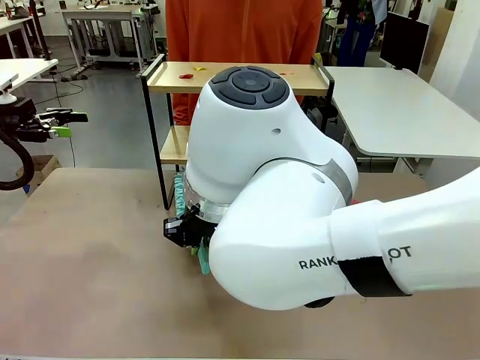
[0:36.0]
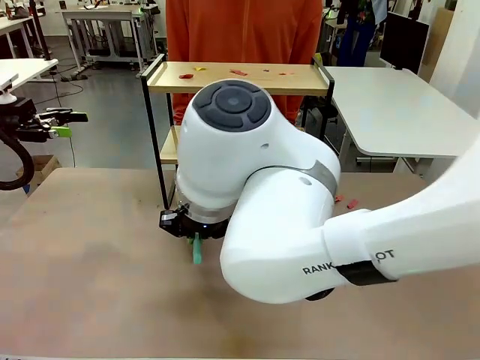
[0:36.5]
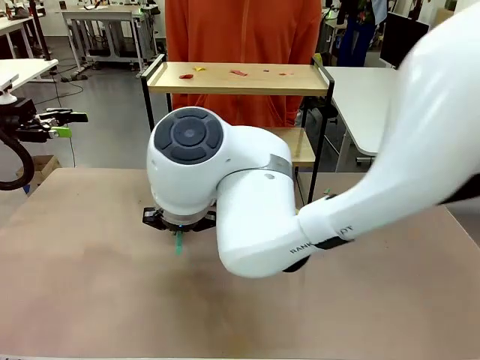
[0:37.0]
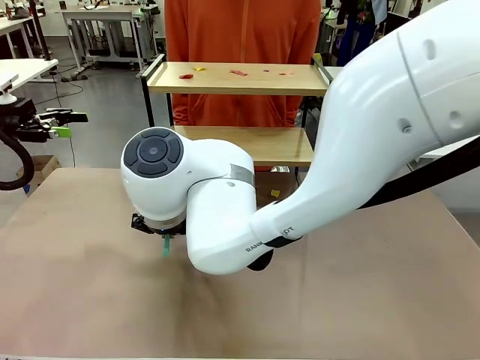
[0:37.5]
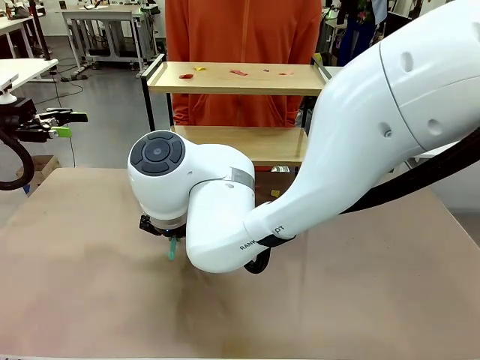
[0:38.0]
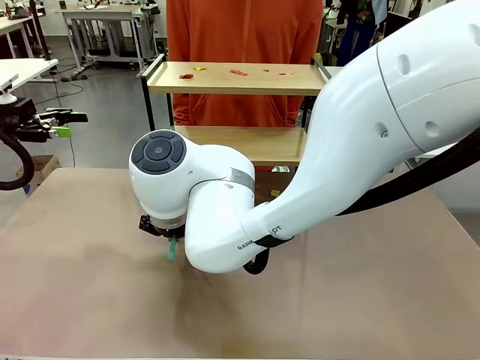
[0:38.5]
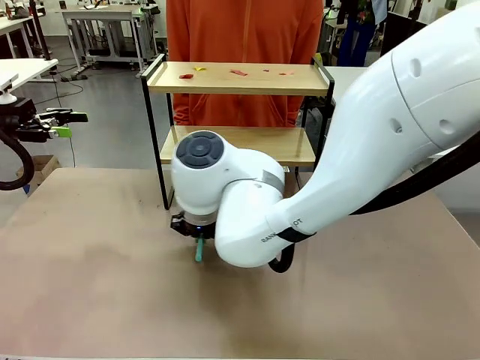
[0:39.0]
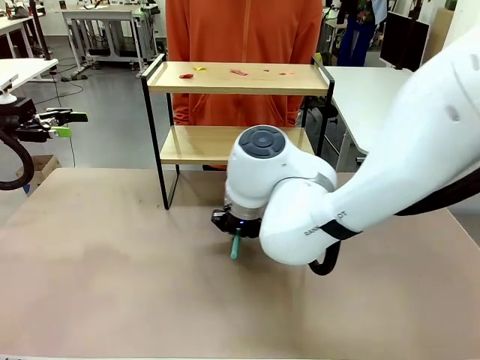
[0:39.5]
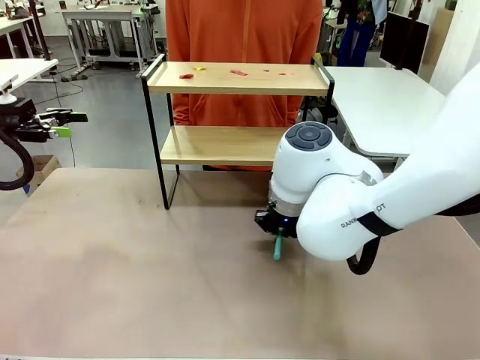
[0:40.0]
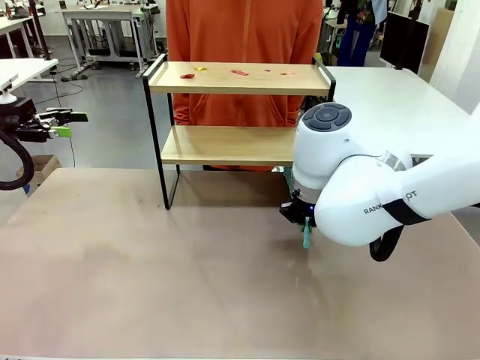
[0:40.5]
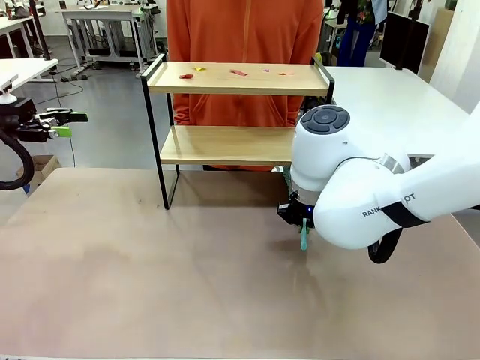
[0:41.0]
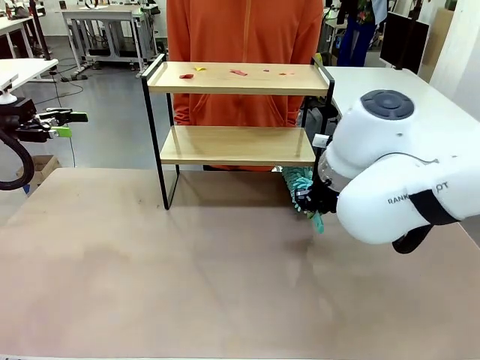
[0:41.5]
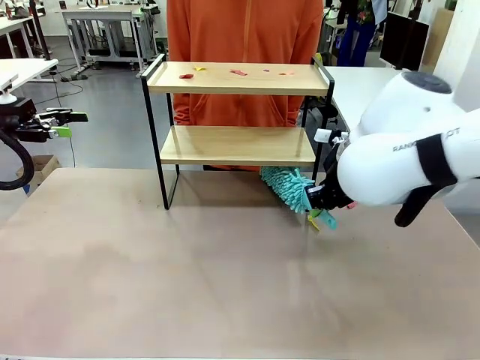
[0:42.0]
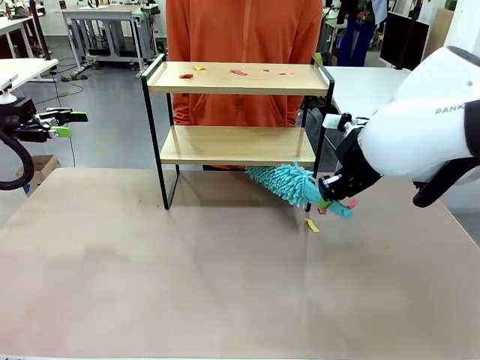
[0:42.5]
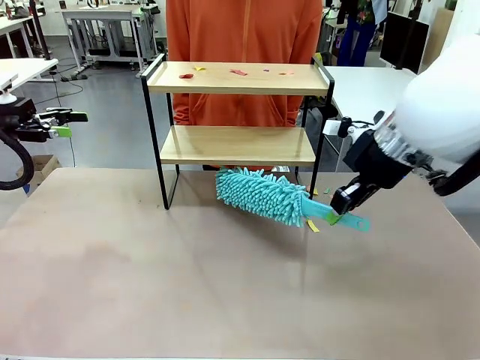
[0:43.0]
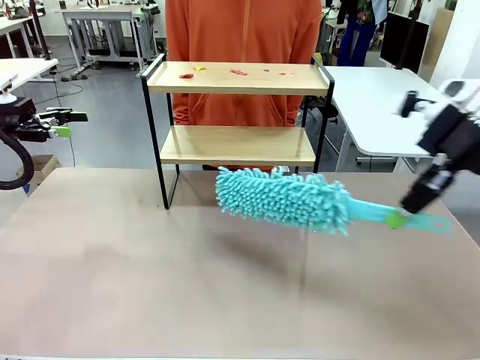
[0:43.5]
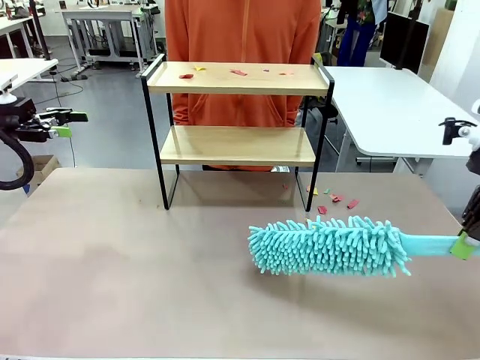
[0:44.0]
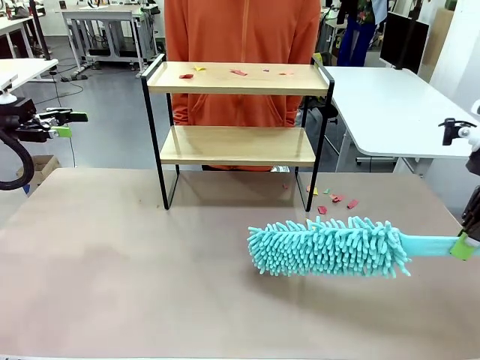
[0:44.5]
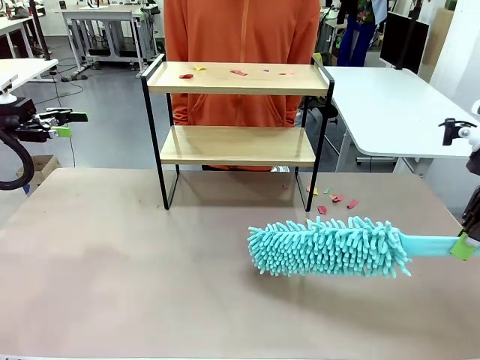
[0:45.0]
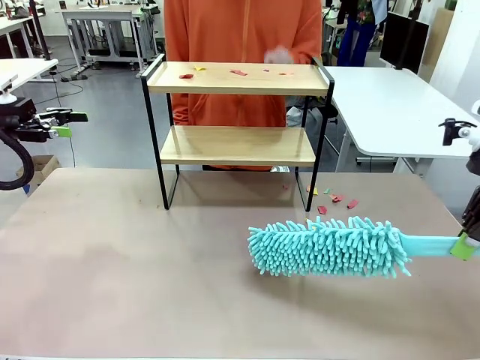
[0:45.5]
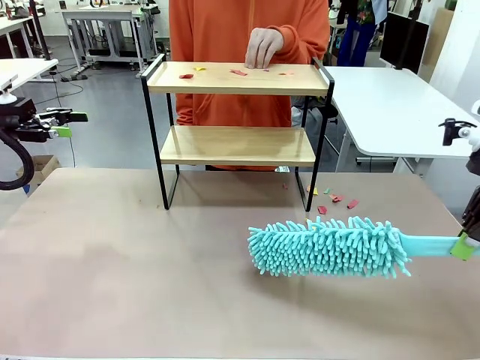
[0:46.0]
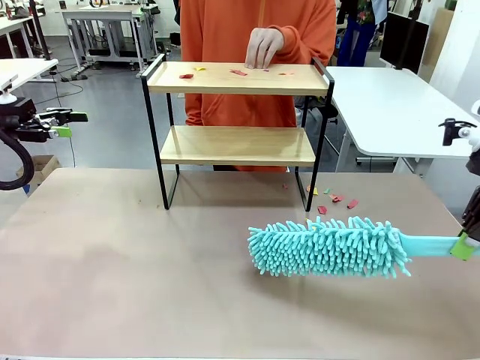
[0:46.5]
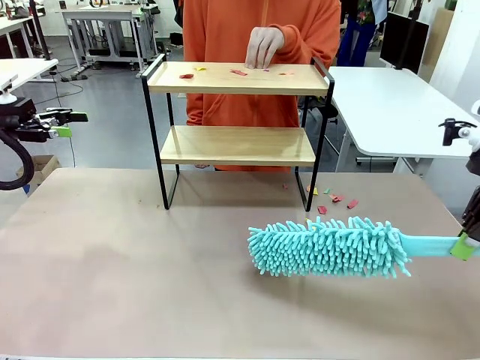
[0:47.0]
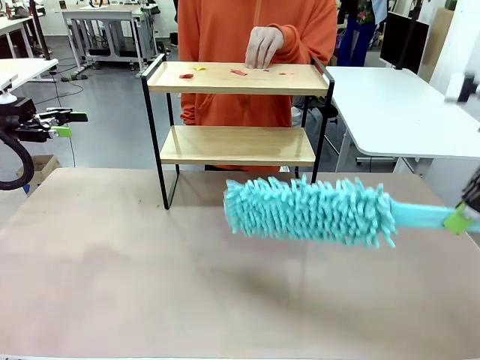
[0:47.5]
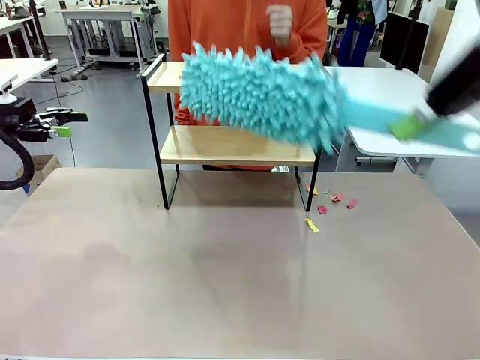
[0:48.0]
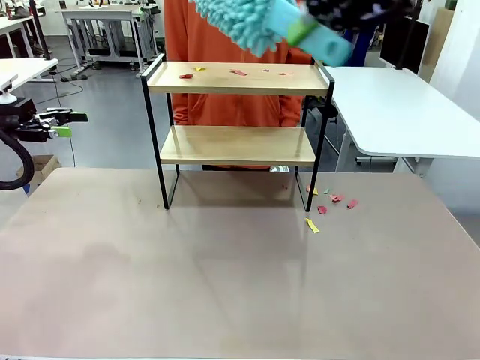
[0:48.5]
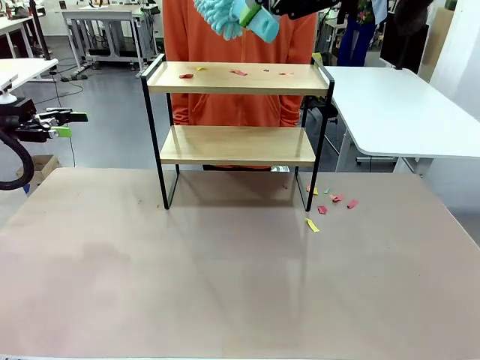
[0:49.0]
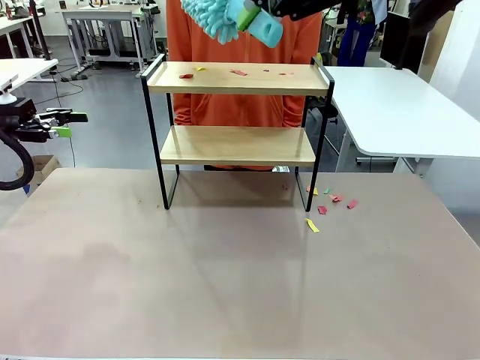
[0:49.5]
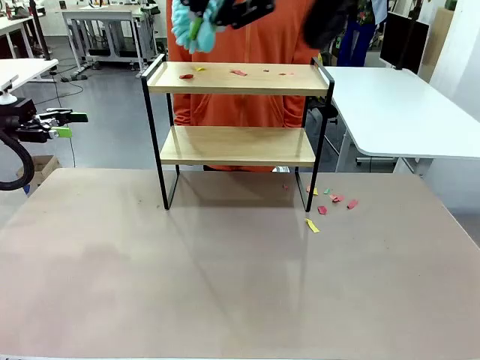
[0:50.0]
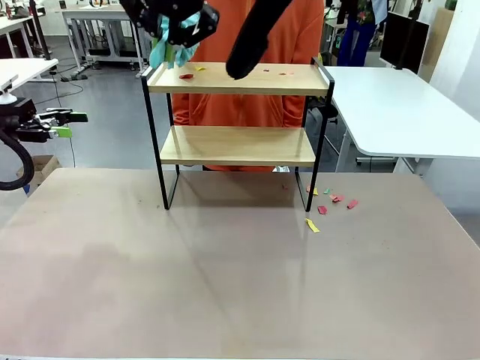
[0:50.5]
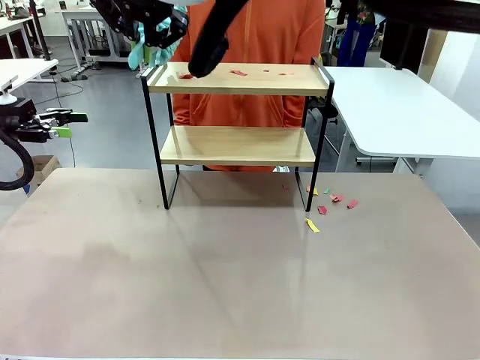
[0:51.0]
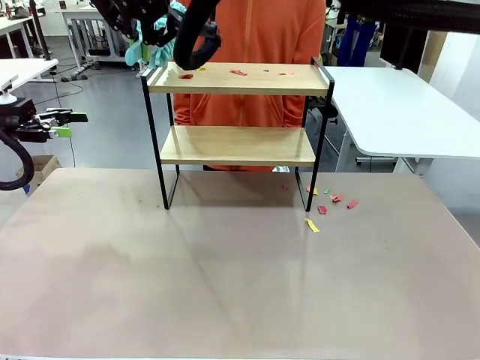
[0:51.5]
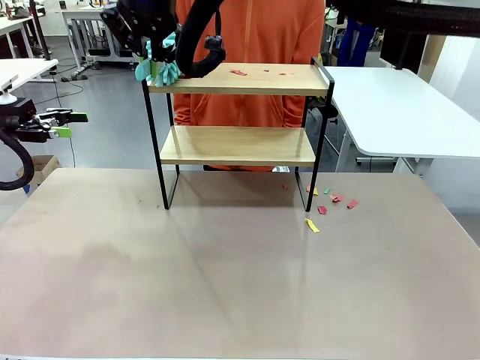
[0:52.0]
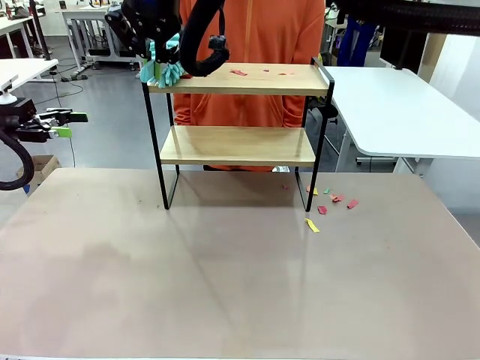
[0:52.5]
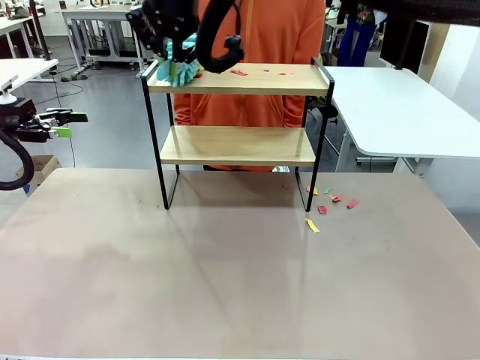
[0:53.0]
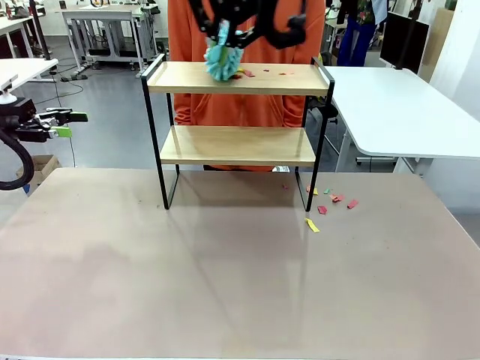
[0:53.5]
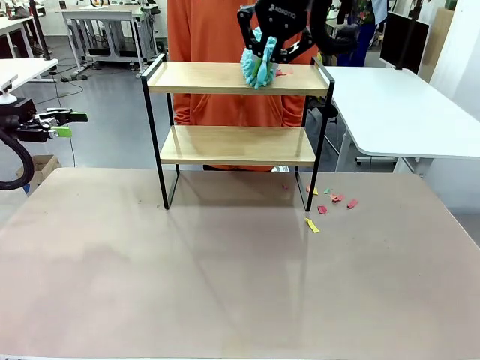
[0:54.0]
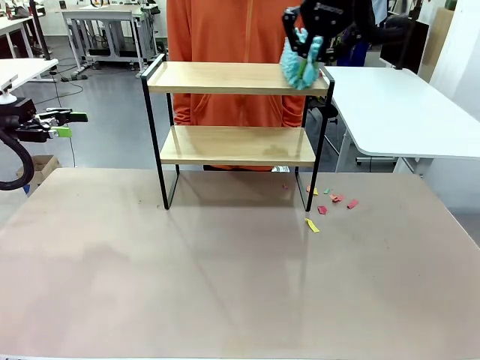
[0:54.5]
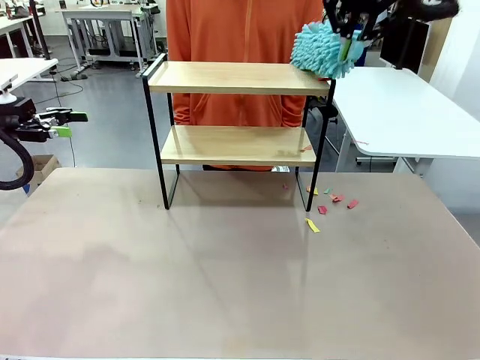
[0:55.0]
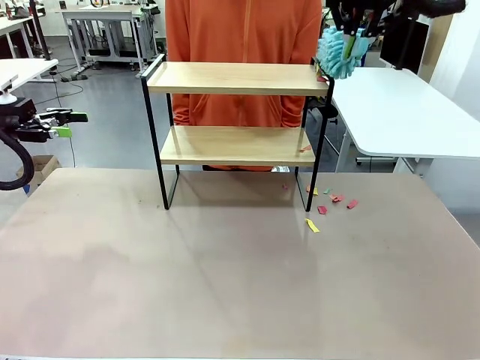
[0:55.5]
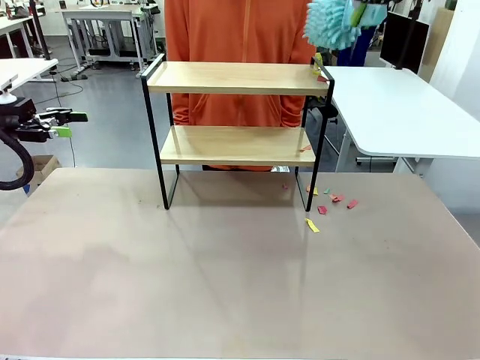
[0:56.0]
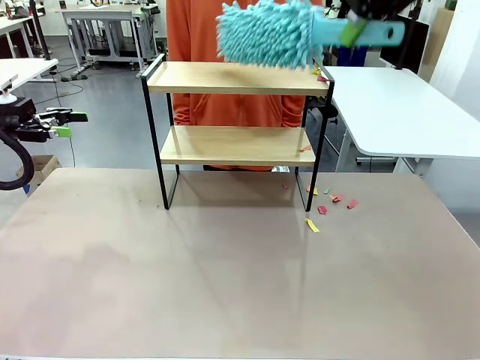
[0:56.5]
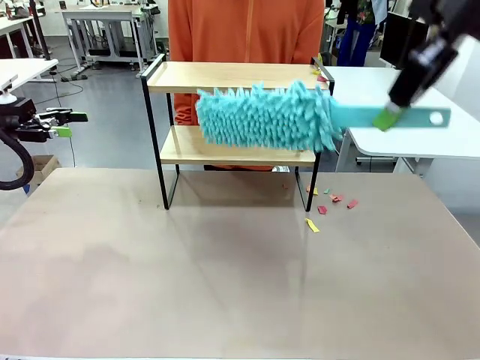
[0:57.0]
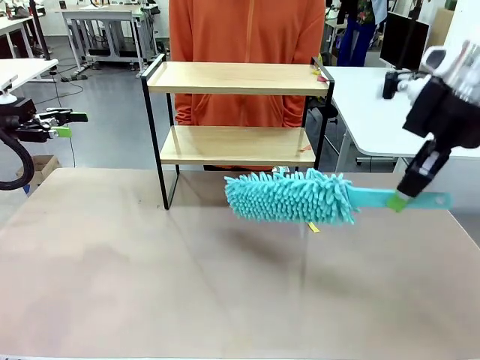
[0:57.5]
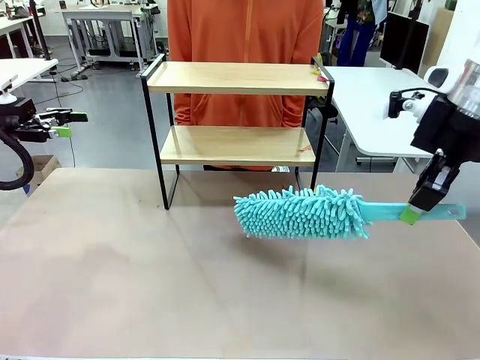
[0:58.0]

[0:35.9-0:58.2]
Task: Clean the shelf.
Robot: Clean the specific section of the Shelf indicated by the human with the Duster.
Person: Point a remaining section of the Shelf.

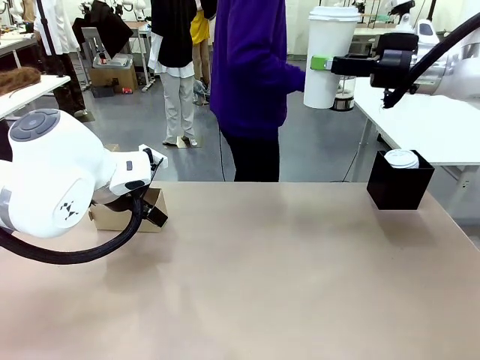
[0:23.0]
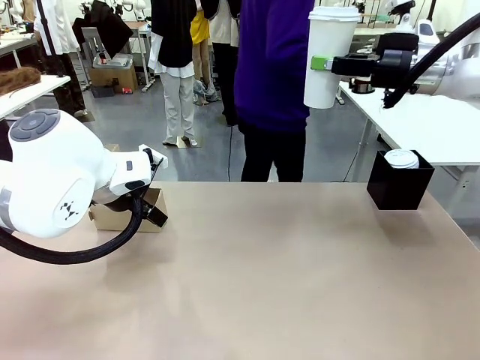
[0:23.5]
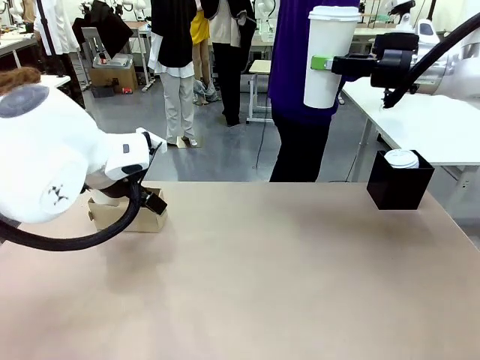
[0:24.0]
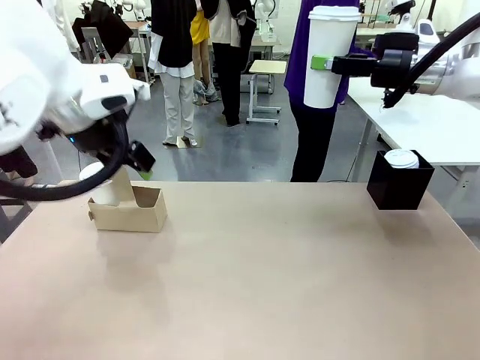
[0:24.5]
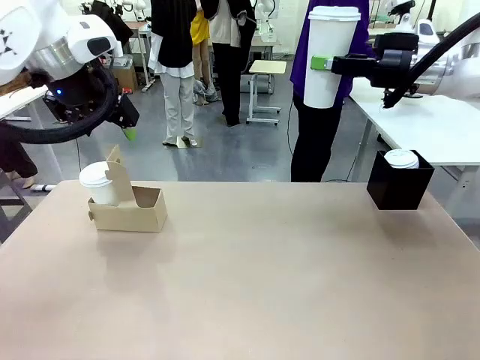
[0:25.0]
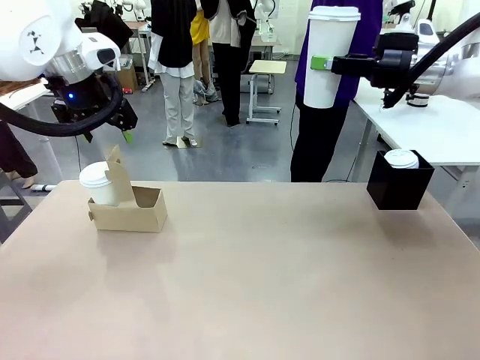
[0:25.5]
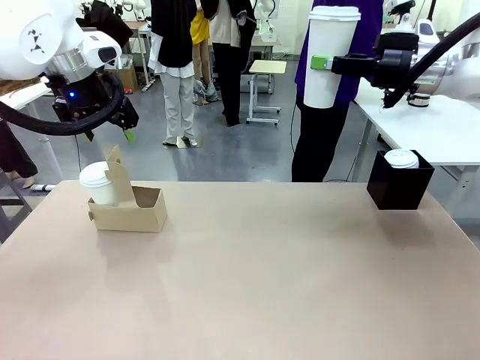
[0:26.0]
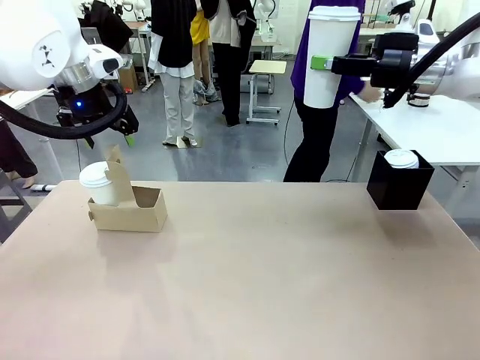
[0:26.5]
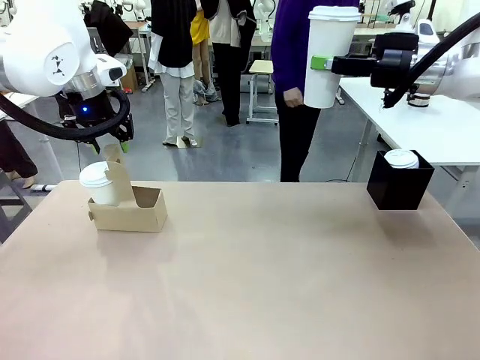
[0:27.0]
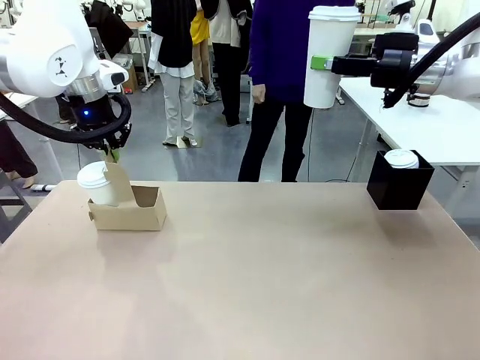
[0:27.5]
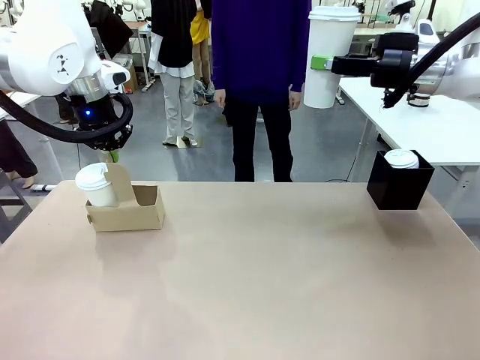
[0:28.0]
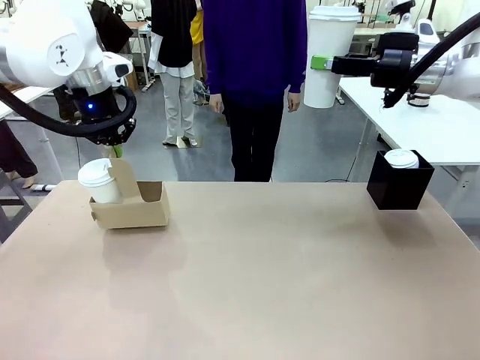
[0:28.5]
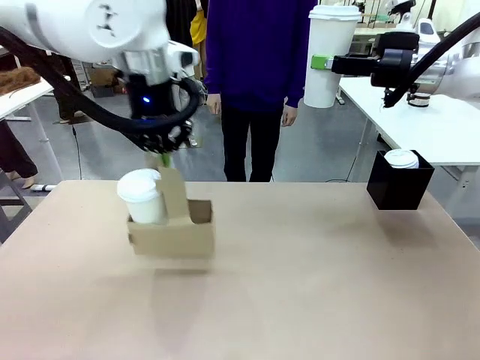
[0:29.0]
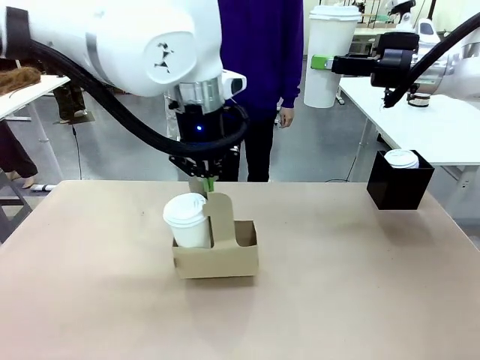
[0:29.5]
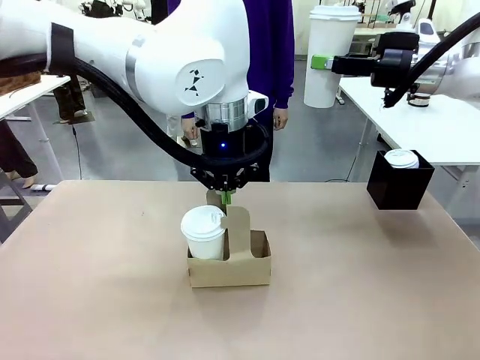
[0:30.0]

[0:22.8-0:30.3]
Task: Pour a drink into a cup and package it in a carrier.
Robot: Position the Cup Carrier in the center of the table.
Person: Pick up the Filter Brewing and place on the middle of Human table, and return to the Robot table.
